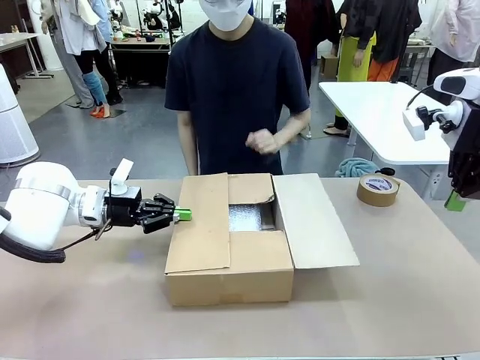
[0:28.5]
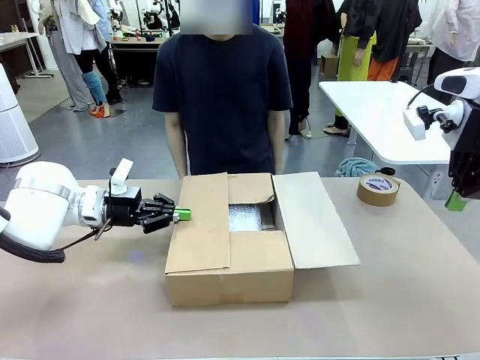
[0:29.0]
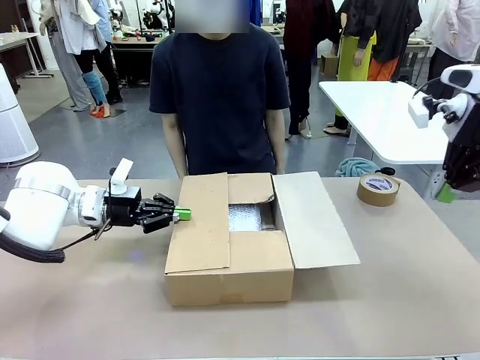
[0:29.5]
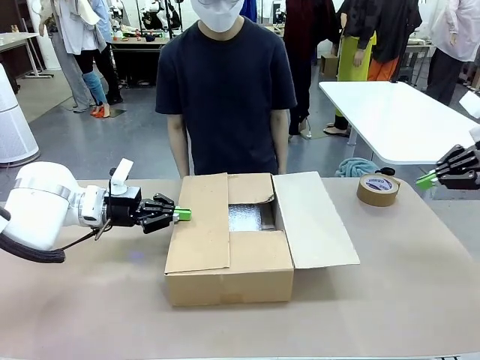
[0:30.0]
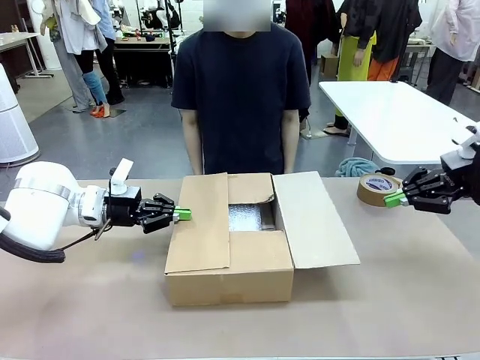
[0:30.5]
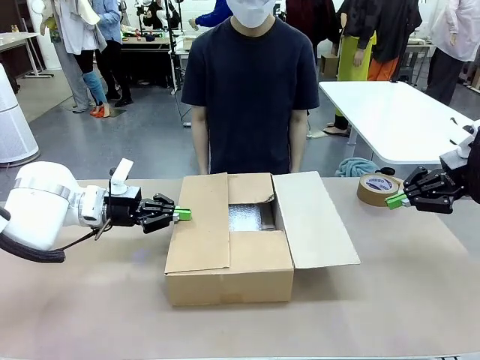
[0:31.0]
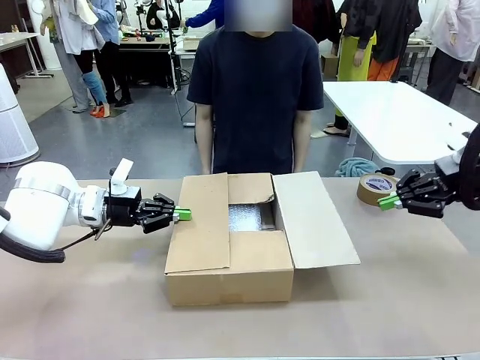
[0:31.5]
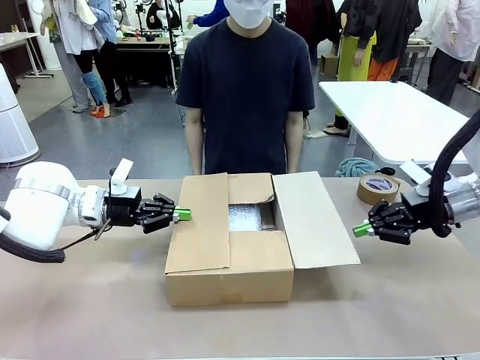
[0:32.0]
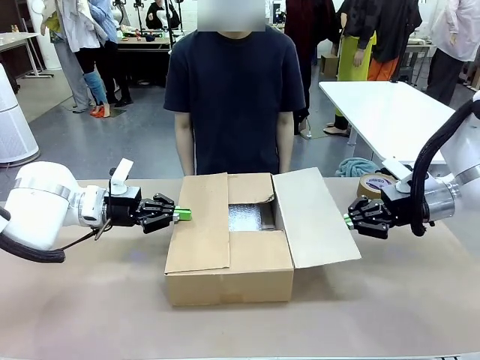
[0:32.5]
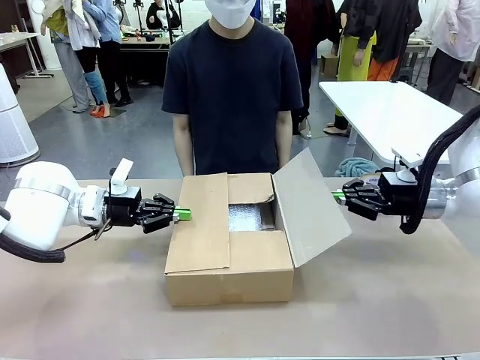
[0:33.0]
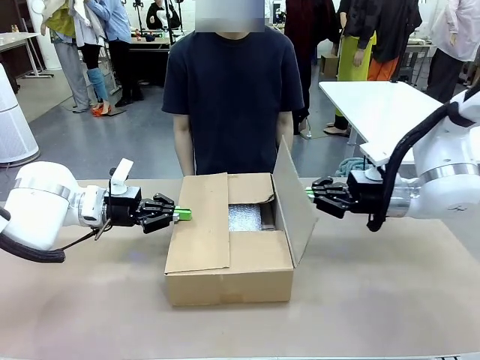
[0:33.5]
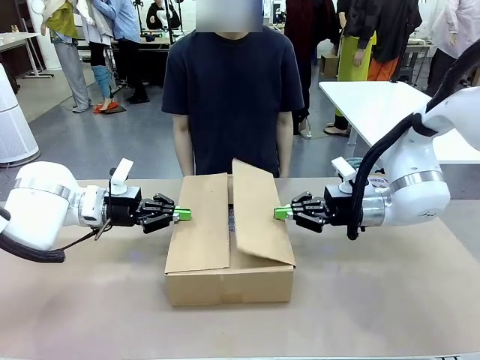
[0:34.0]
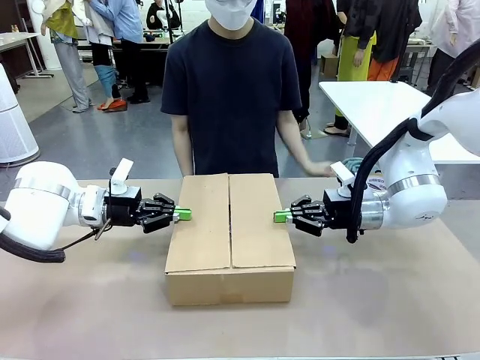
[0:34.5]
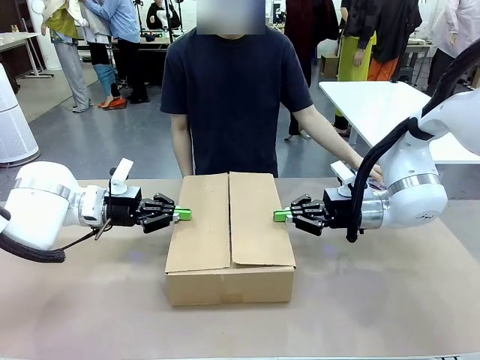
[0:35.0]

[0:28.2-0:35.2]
Task: Wrap the clocks to prevent damage.
Robot: Push the left (or right) flap of the Package Box to close it.

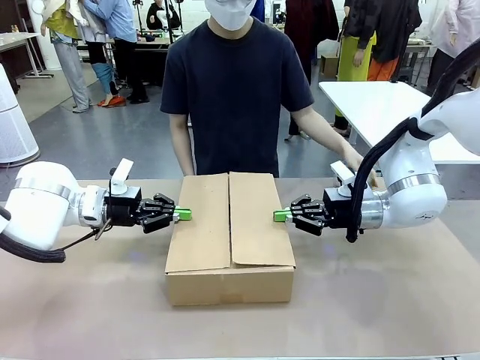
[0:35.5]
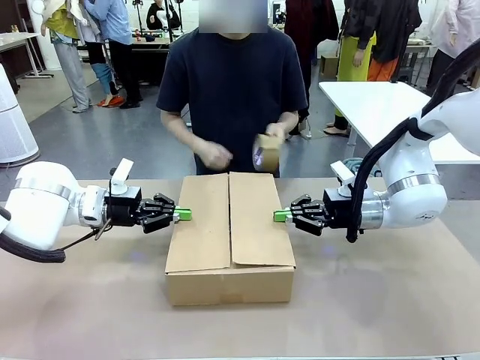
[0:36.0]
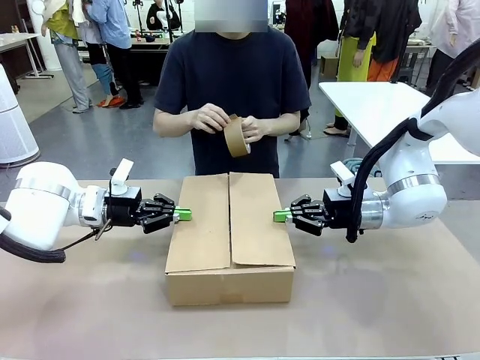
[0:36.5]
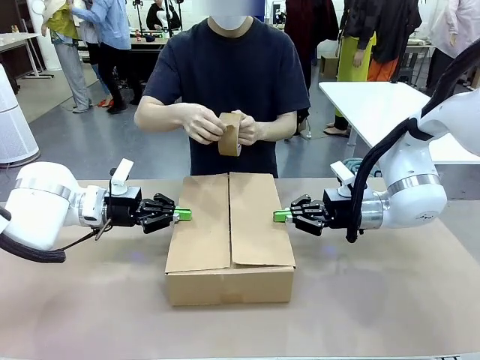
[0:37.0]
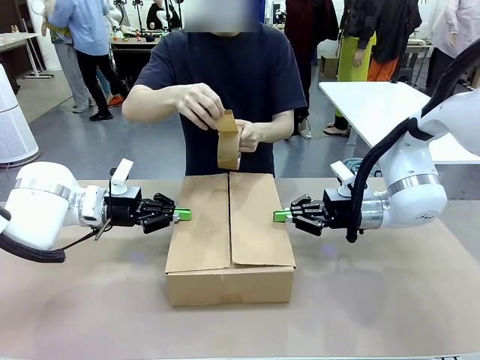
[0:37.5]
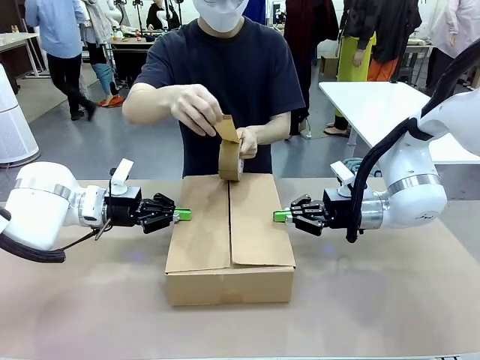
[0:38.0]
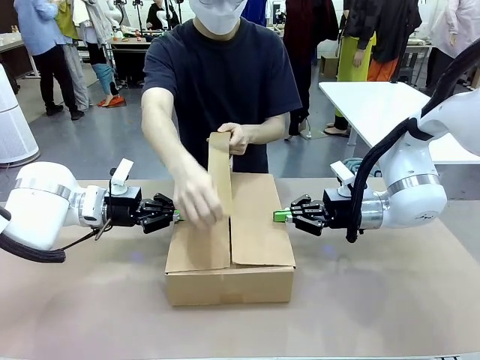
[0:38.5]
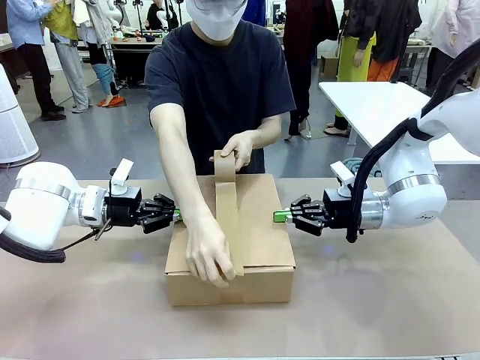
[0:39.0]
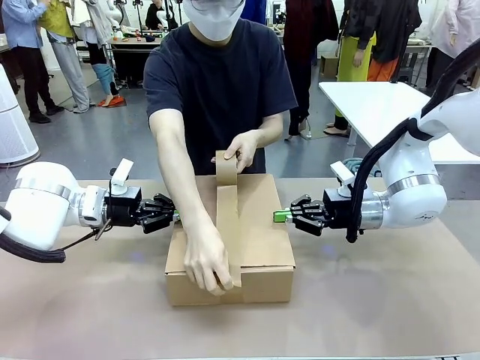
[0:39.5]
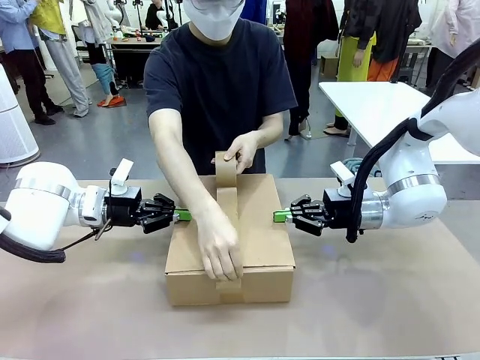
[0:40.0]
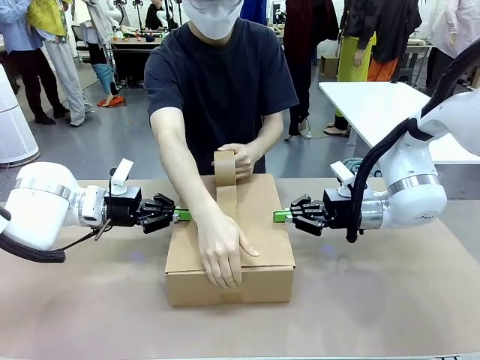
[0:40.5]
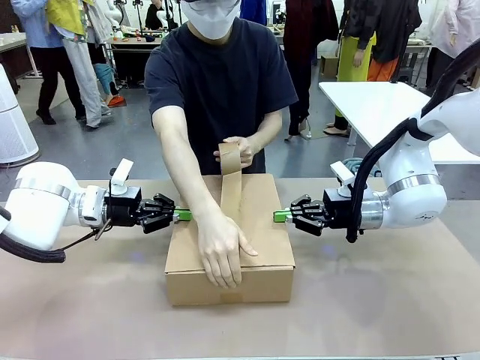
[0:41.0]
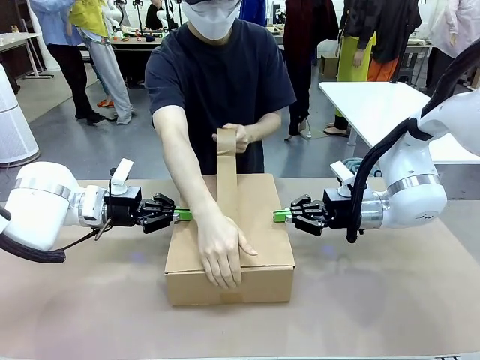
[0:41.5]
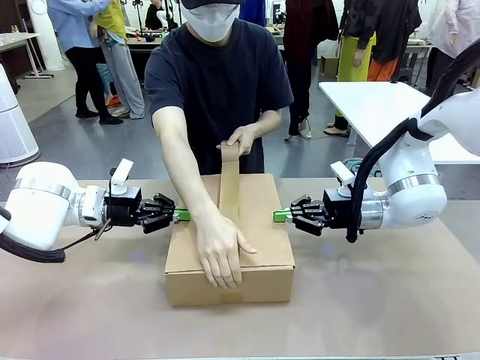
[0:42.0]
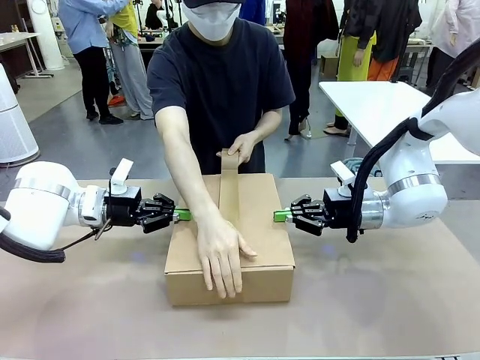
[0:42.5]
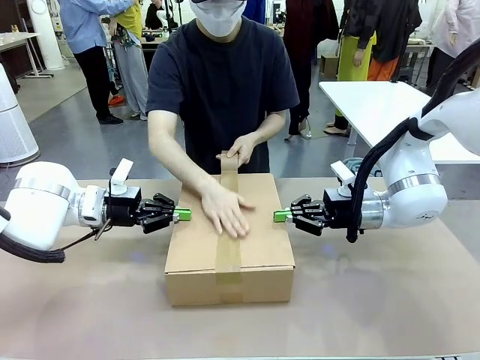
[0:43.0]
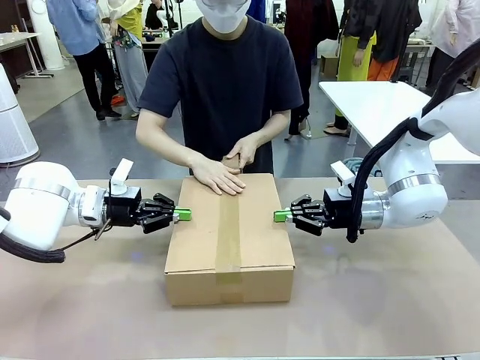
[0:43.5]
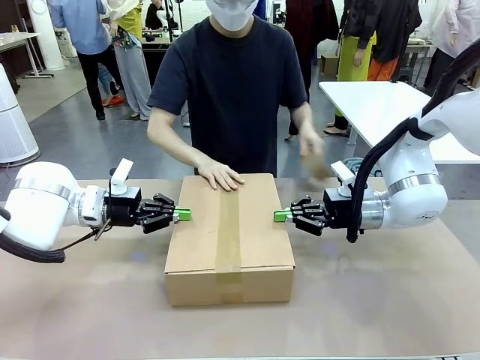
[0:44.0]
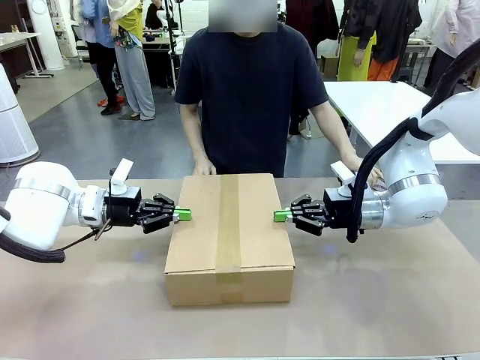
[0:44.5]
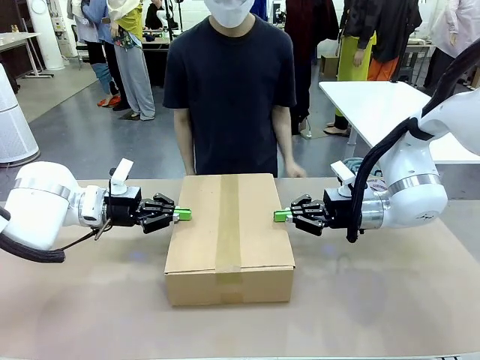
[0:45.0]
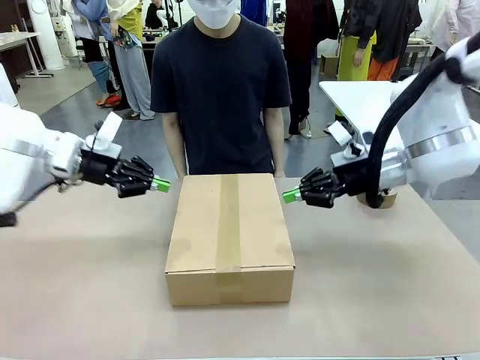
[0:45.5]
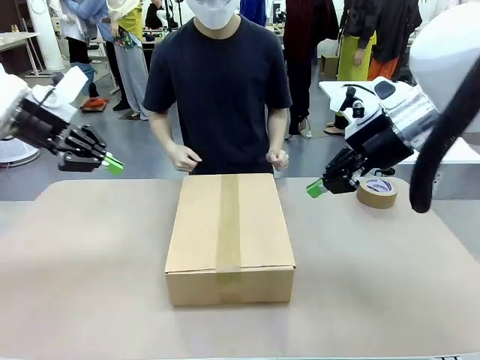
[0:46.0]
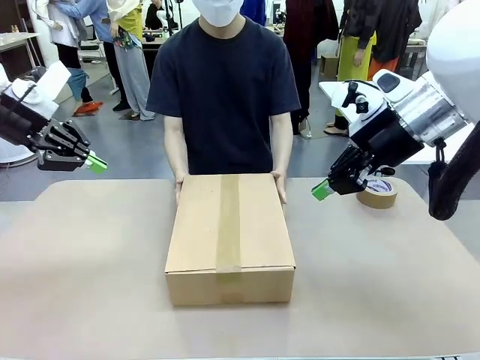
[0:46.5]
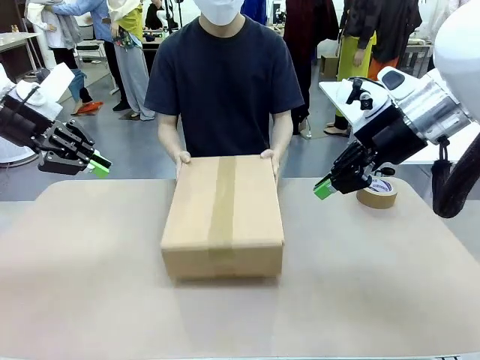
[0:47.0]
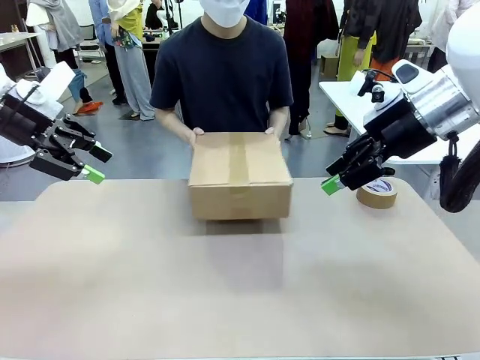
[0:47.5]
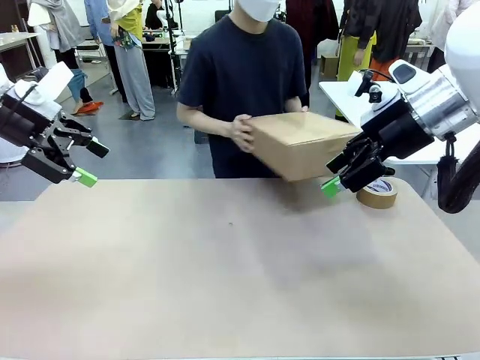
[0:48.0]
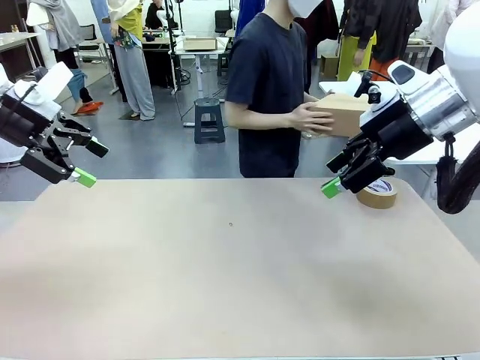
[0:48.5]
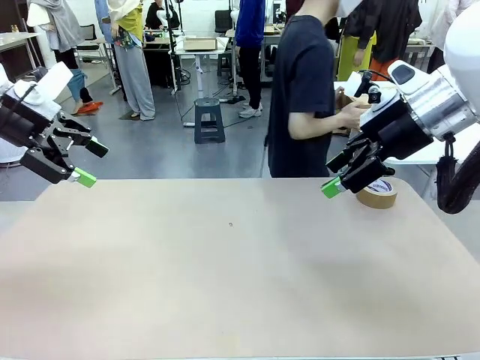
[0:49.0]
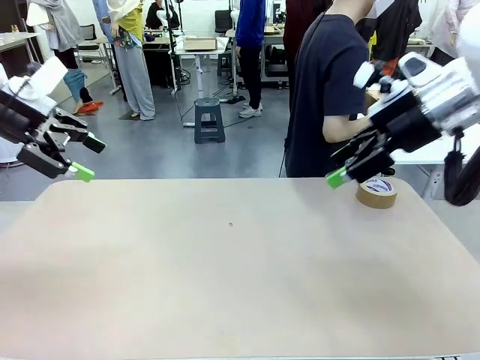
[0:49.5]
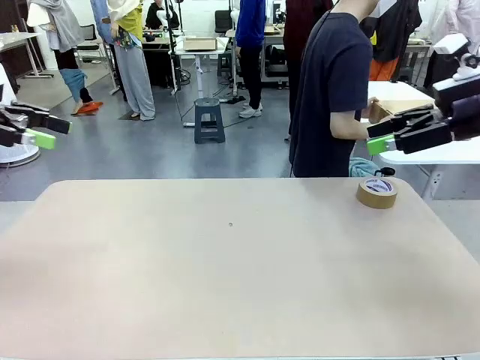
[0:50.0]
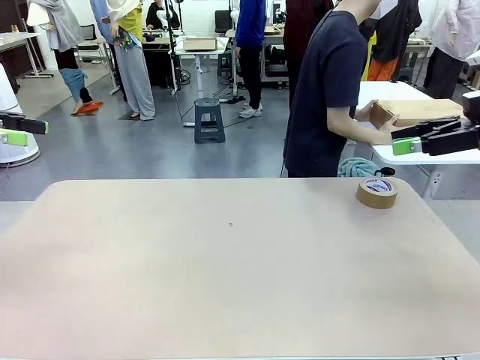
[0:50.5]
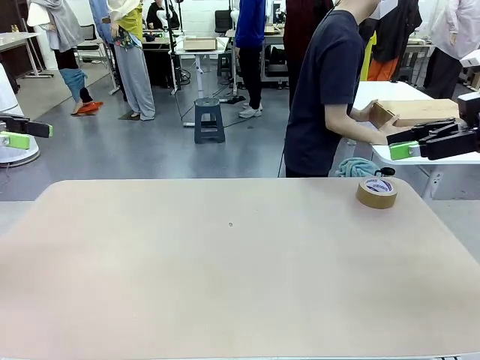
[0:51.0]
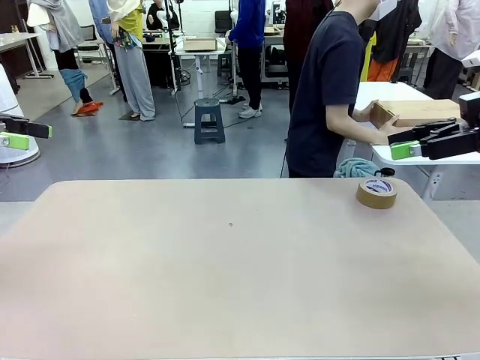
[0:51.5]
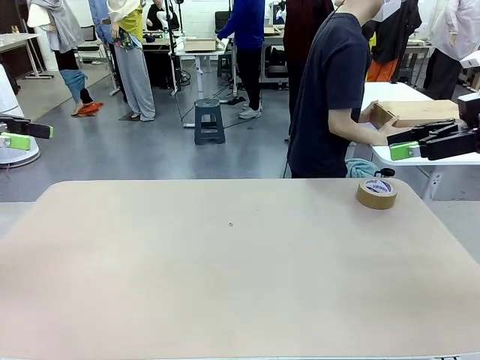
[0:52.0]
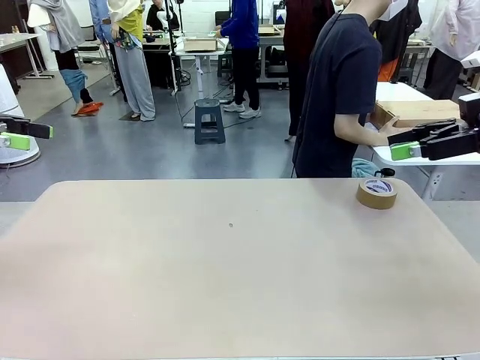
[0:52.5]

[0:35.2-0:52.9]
Robot: After the human seals the box with tape, release both hands from the side flaps of the Package Box.
Person: Once the robot closes the left flap of the Package Box , seal the box with Paper Tape. Place sealed Package Box in the middle of the human's table.
